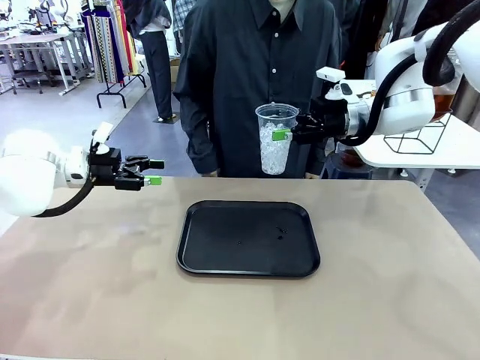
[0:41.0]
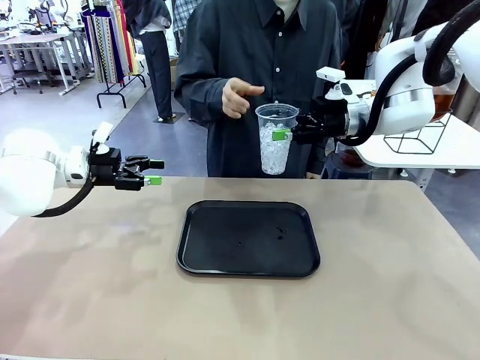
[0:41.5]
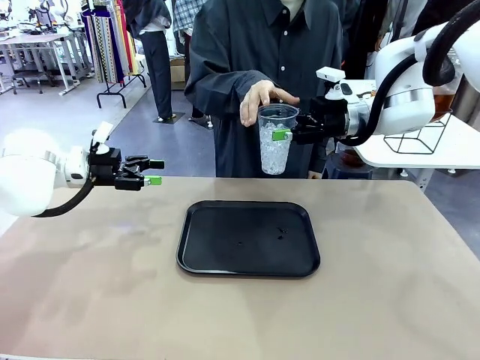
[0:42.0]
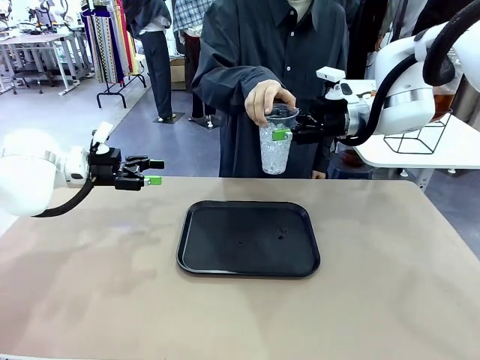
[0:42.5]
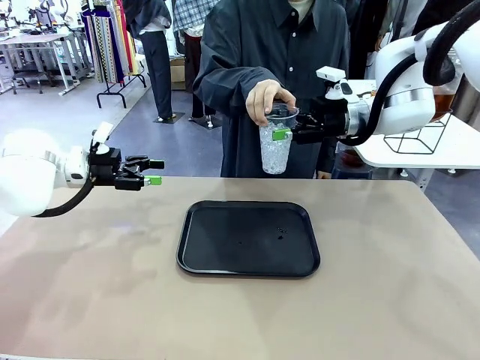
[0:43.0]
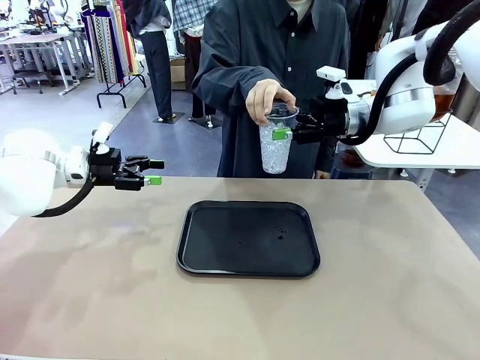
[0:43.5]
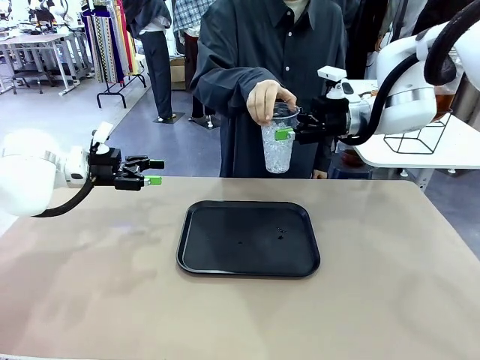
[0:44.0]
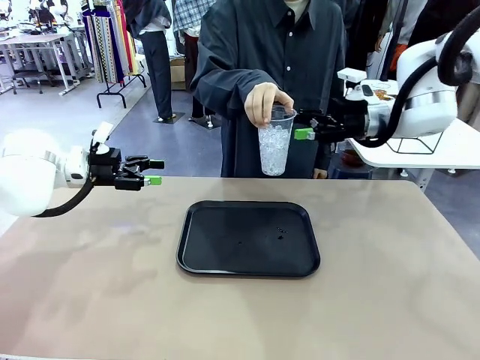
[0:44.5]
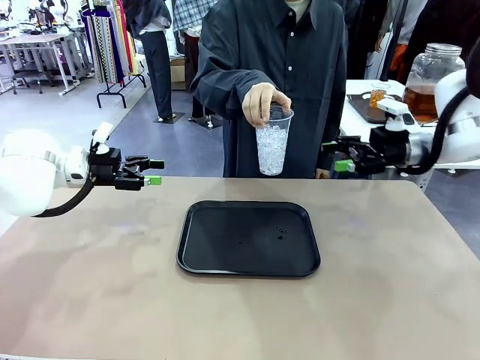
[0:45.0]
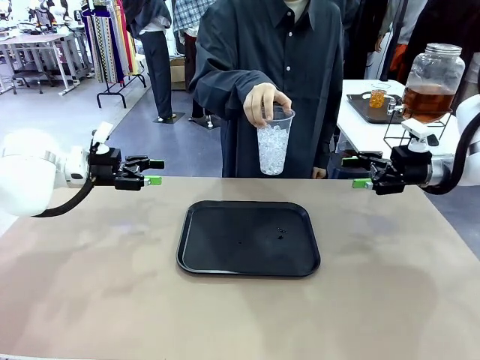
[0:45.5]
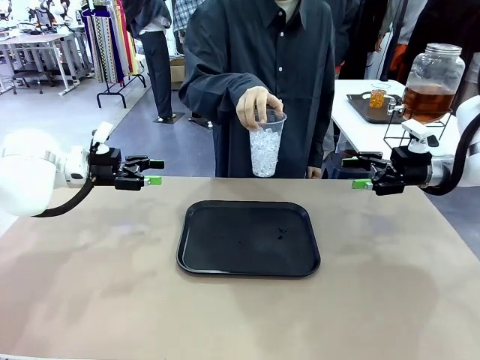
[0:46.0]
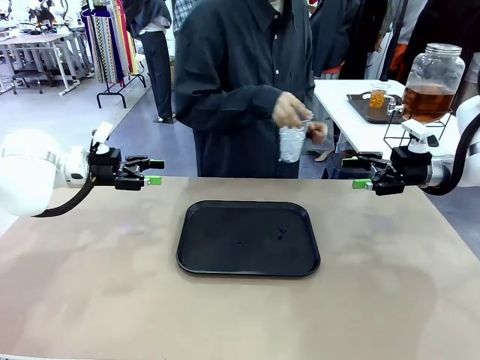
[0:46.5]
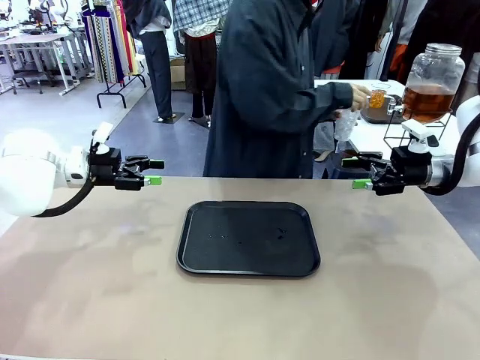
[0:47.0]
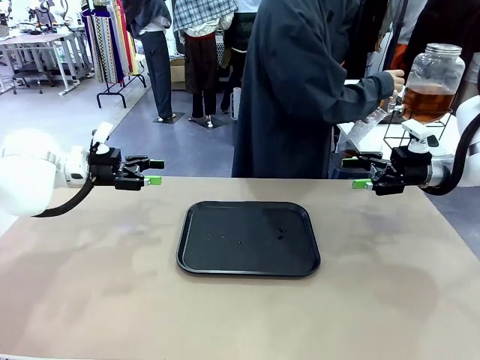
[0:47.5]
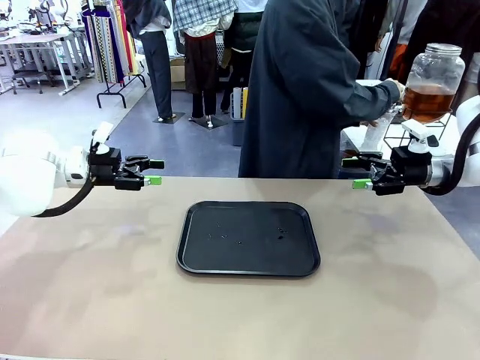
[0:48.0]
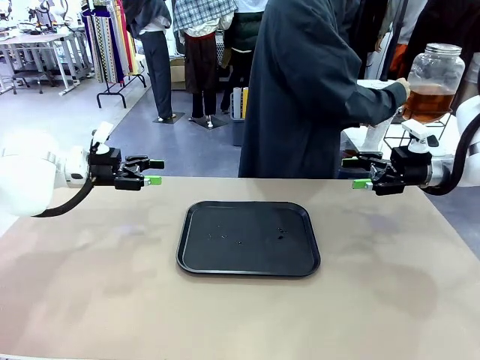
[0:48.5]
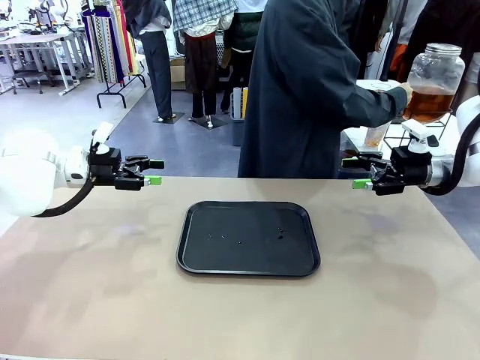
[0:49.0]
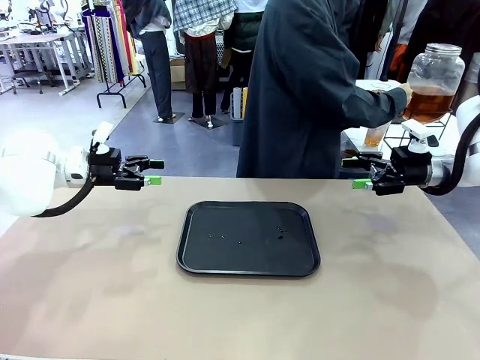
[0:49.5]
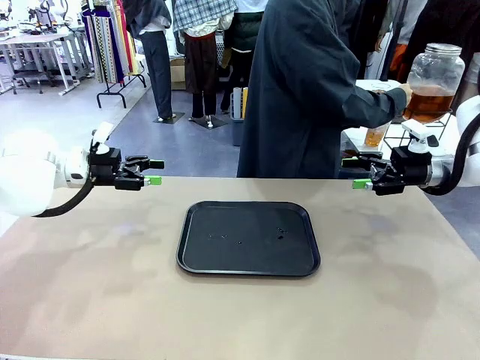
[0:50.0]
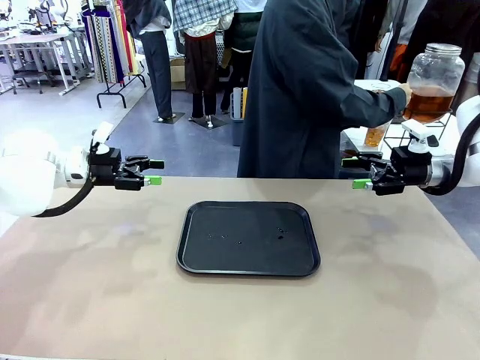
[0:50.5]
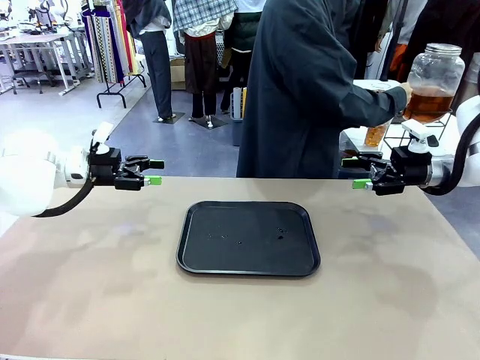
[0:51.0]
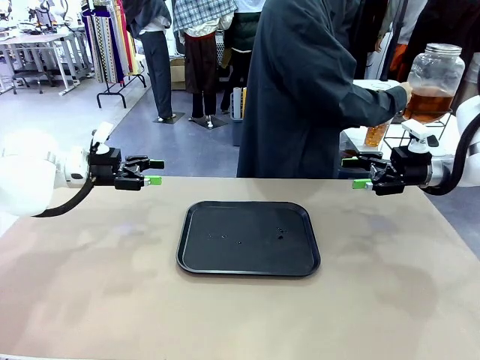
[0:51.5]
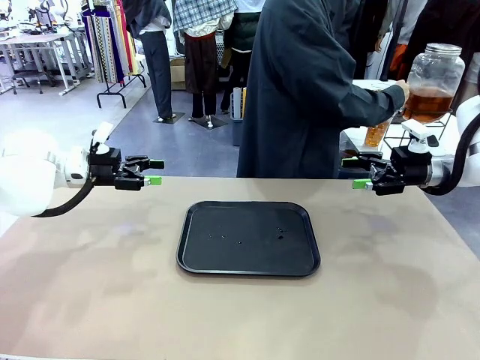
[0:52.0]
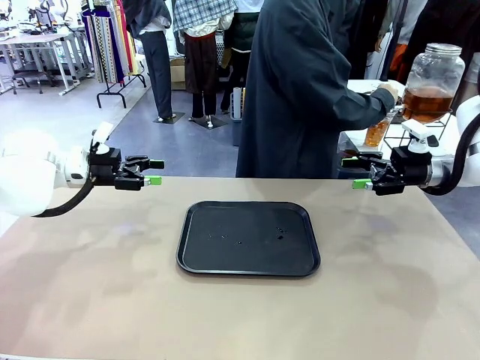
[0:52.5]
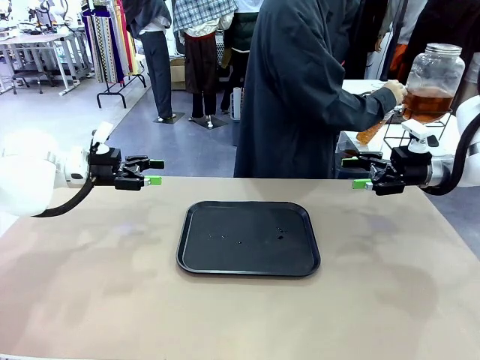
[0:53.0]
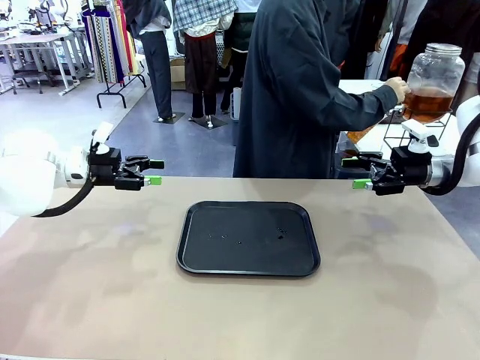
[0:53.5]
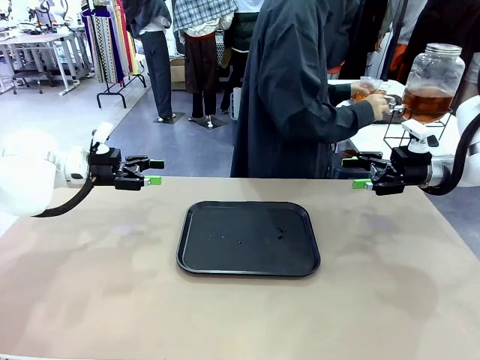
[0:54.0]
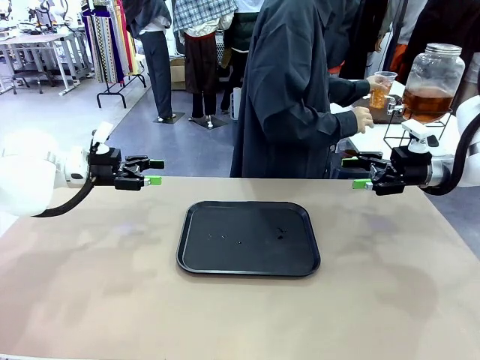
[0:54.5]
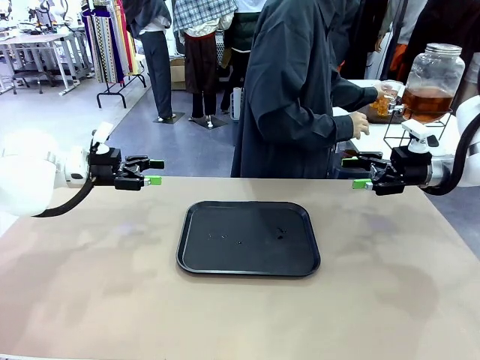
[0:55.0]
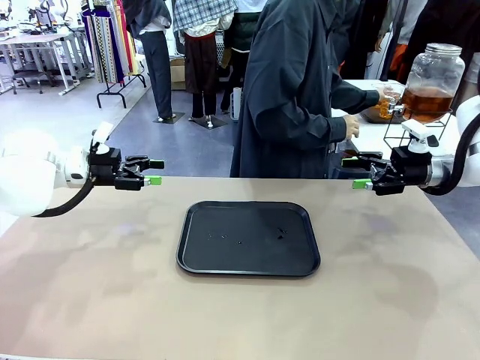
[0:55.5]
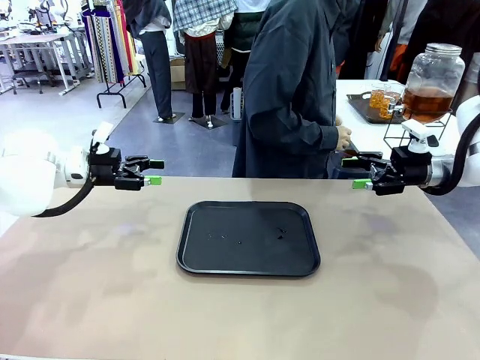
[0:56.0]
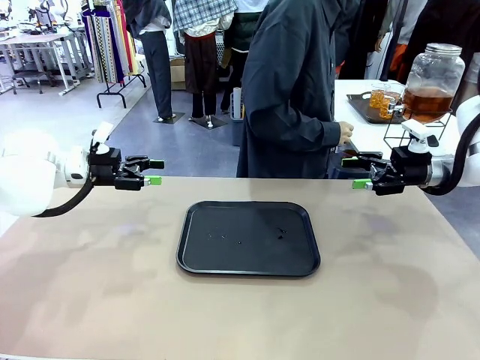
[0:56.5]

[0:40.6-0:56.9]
Task: Pour the drink into the iced cup.
Robot: Open the gripper to release the iced cup you were holding.
Person: Move the picked-up cup under the dispenser faucet, pour the drink, and place it on the tray on the human table.

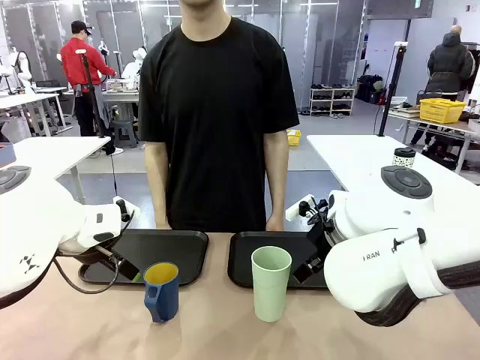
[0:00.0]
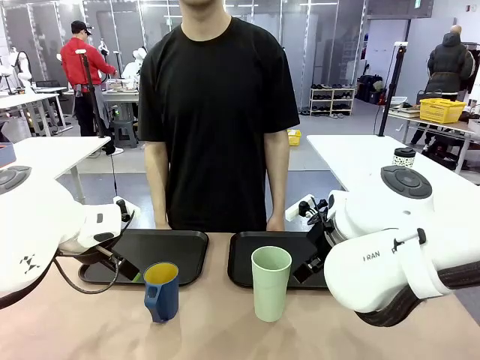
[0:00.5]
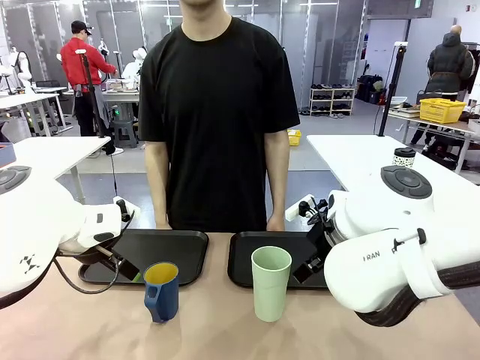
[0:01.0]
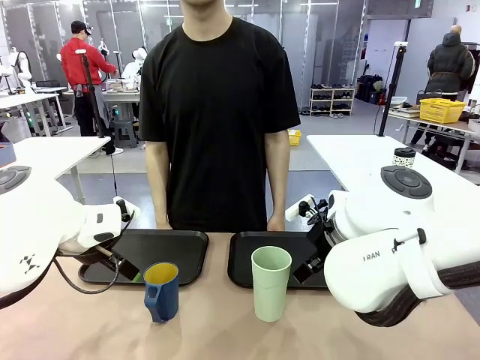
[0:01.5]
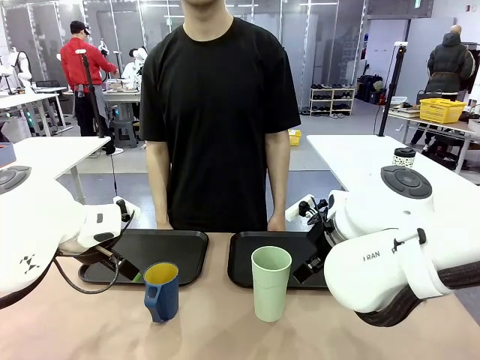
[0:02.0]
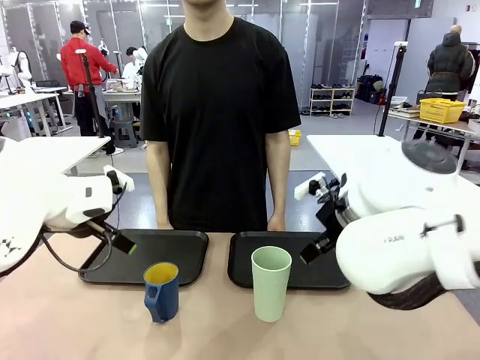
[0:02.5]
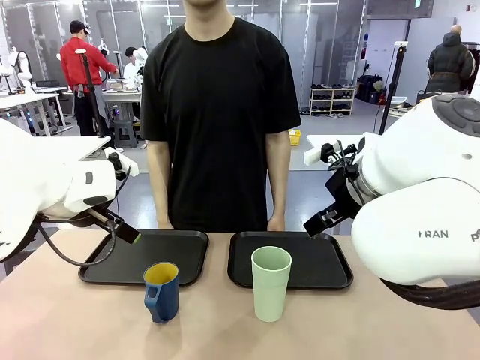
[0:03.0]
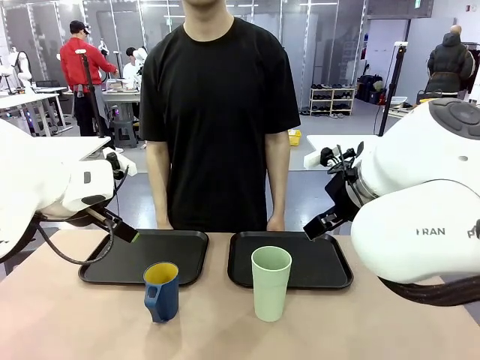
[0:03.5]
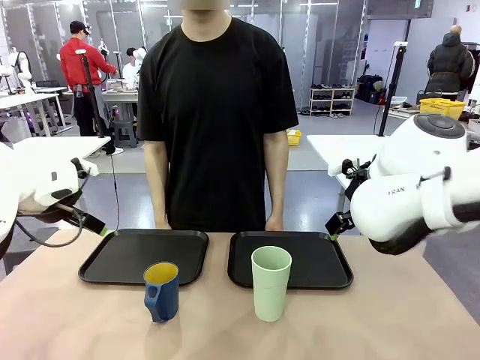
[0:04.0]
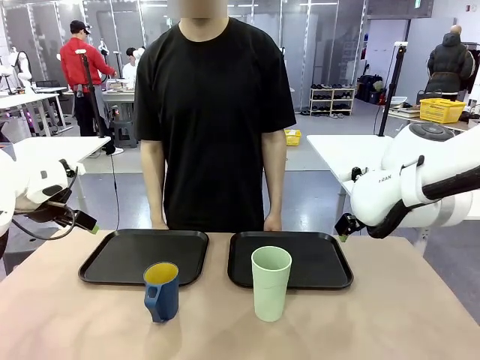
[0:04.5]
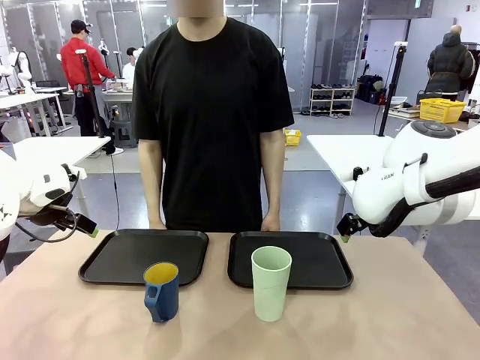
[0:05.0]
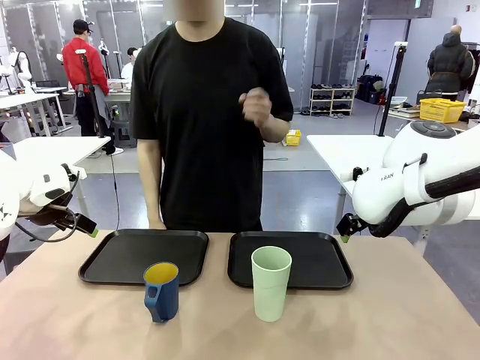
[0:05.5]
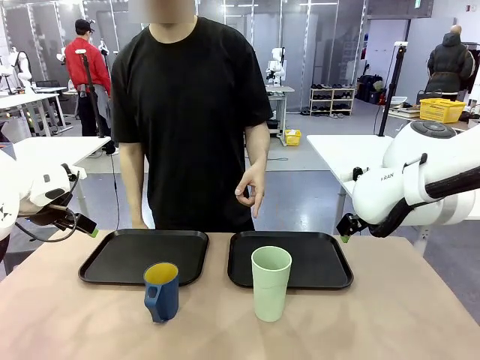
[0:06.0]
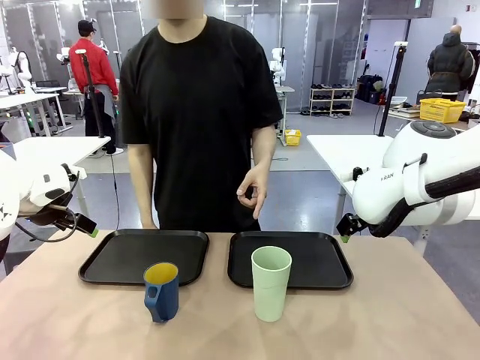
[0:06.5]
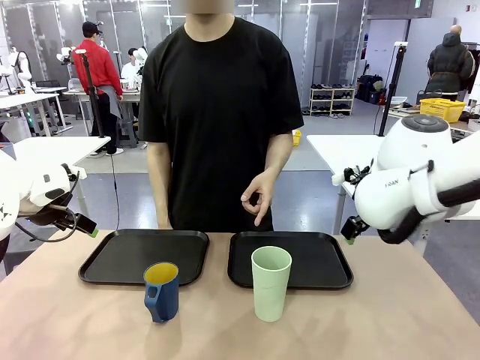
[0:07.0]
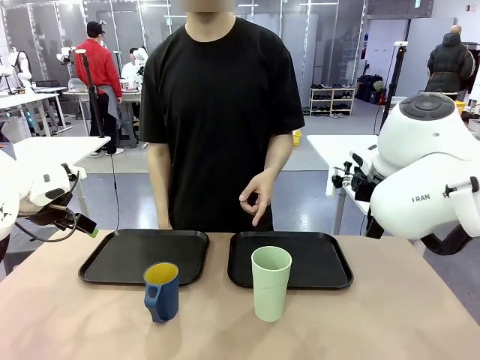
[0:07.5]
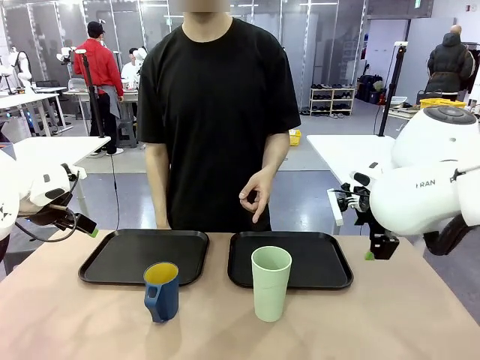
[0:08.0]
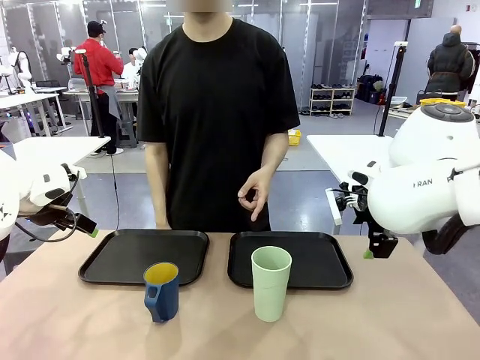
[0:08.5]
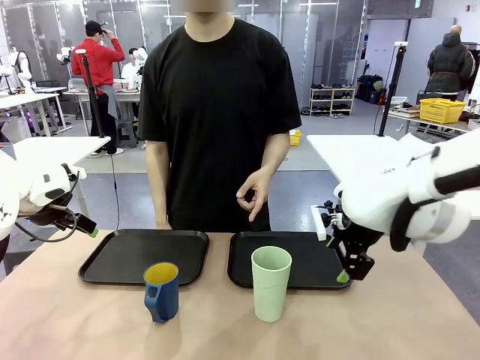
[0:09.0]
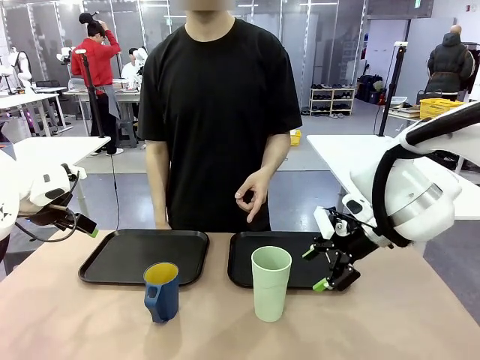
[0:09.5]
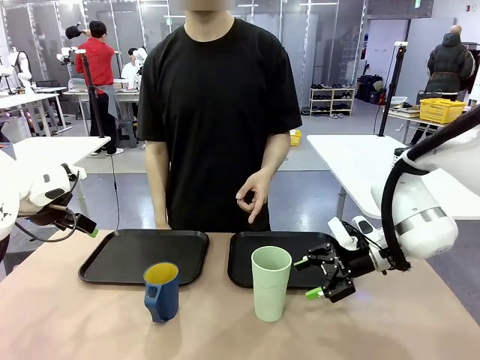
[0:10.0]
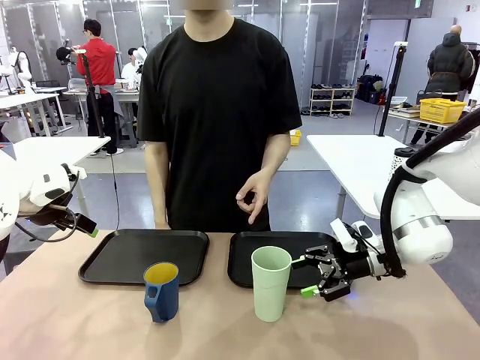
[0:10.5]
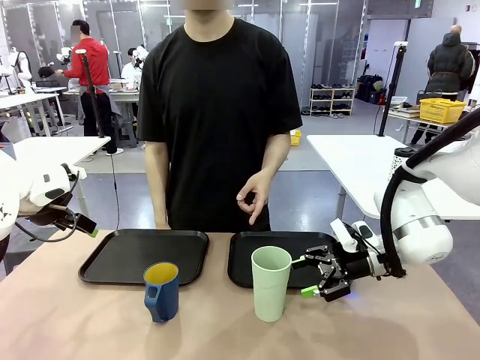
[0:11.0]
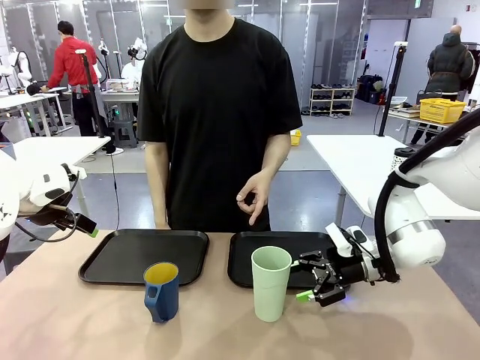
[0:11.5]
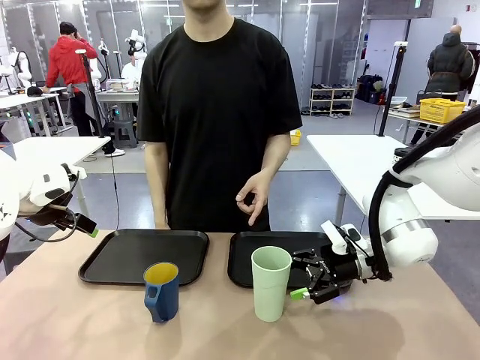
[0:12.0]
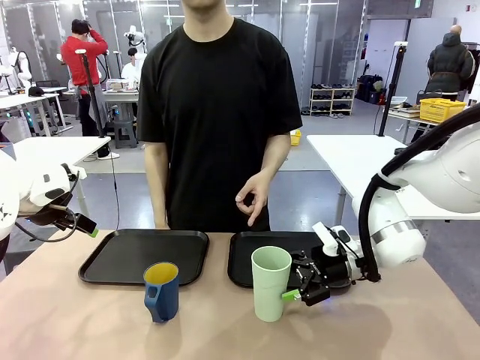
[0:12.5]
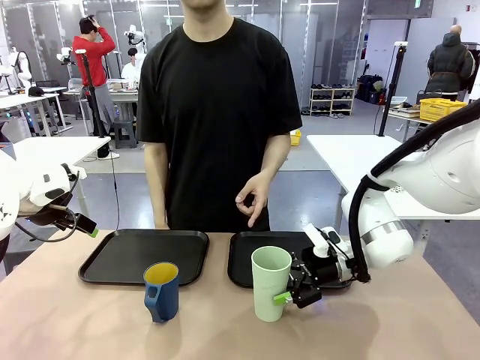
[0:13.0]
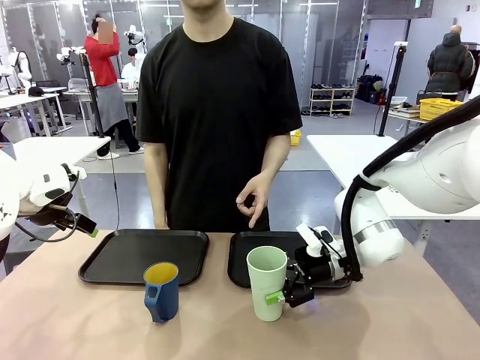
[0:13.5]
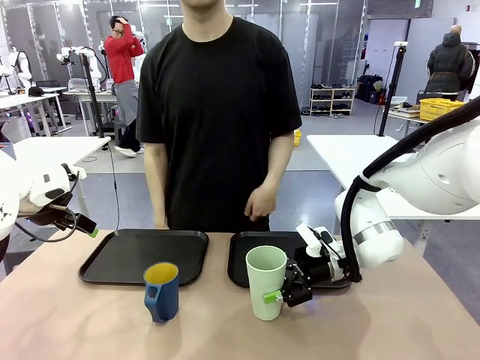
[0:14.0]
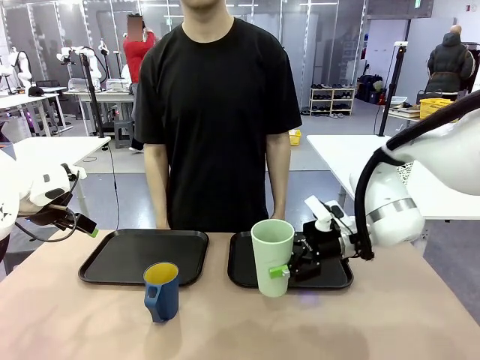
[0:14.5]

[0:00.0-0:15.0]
Task: Sort and store the cups by type.
Robot: Pick up the Reusable plastic cup.
Person: Points to the reusable cup. Point to one of the two trays.
